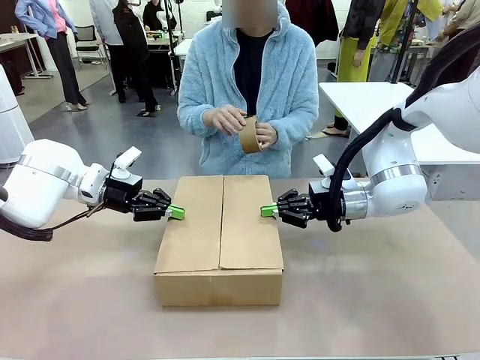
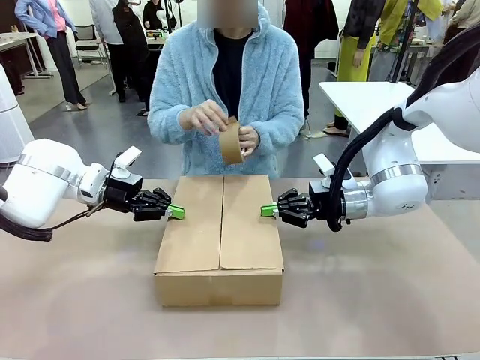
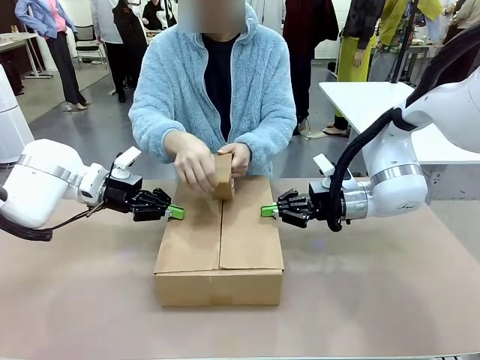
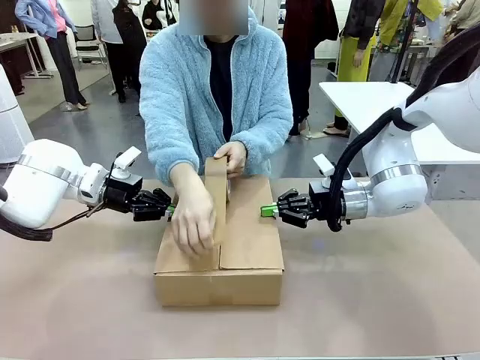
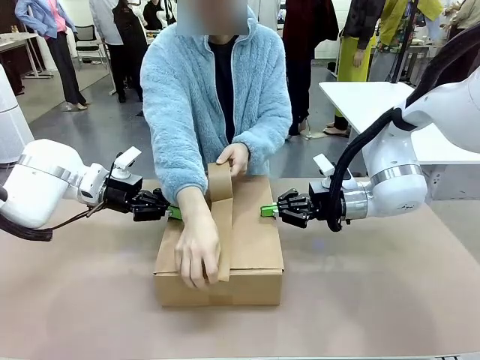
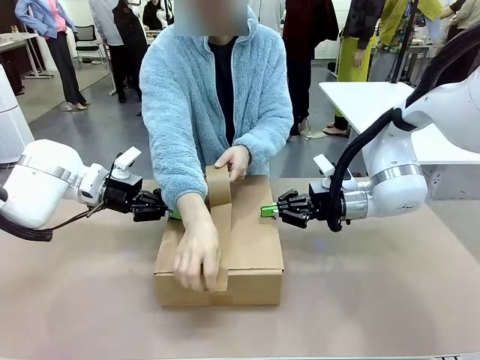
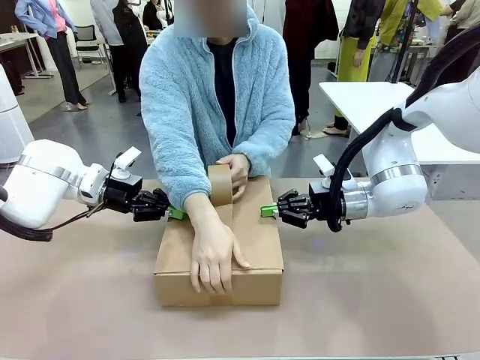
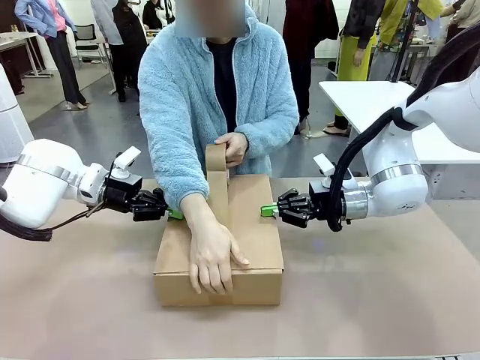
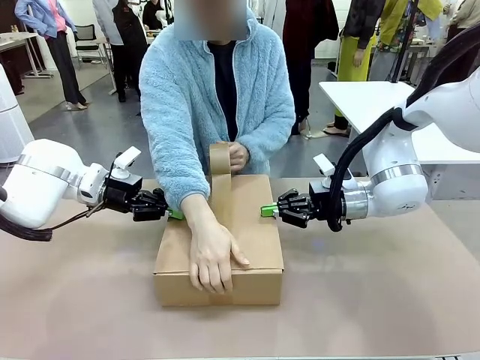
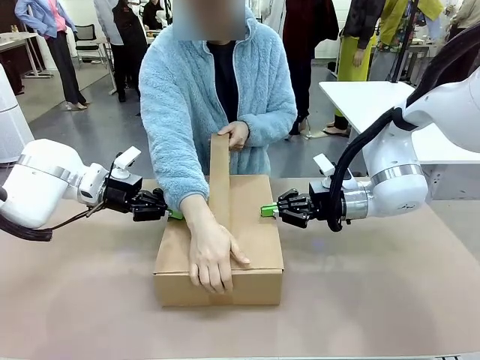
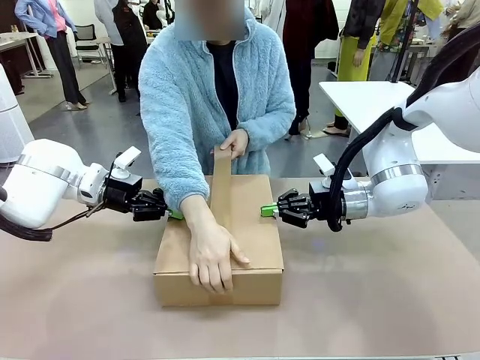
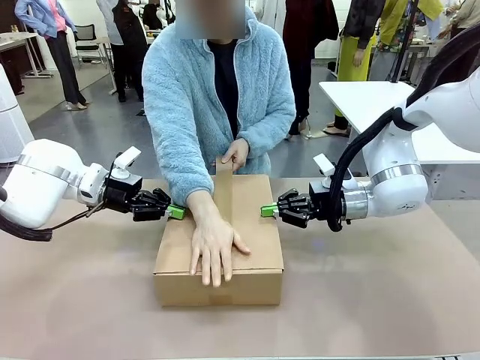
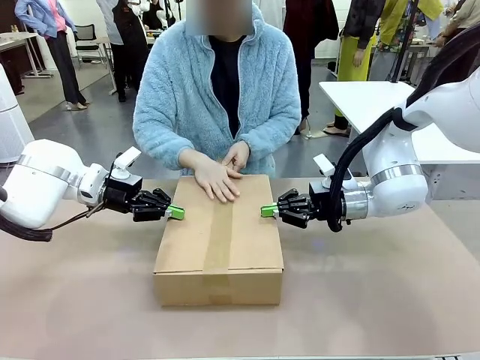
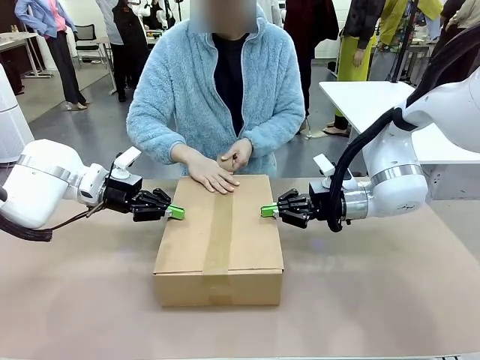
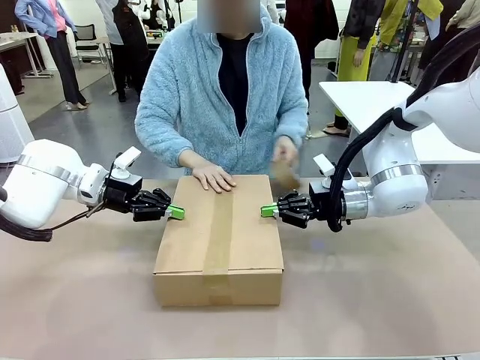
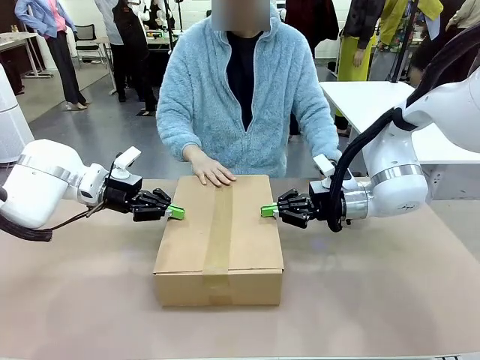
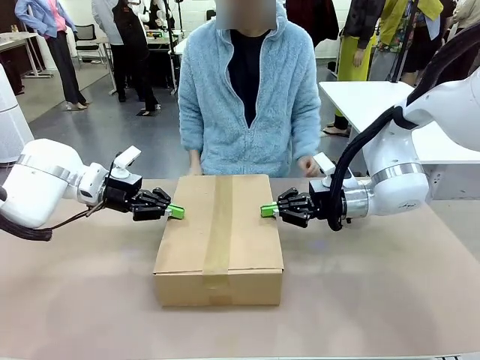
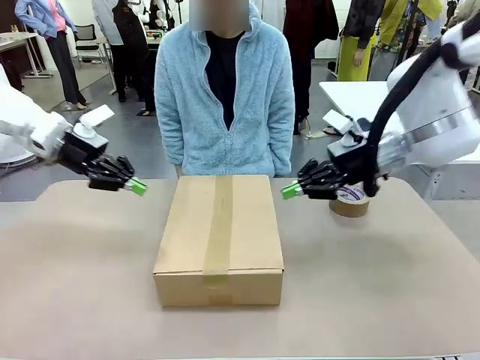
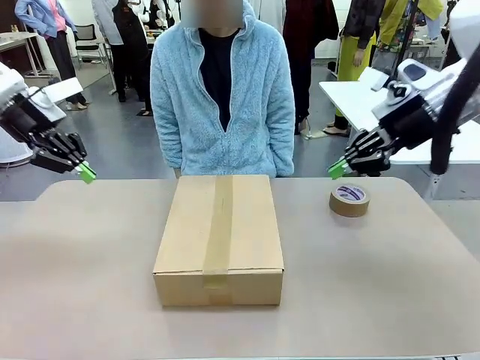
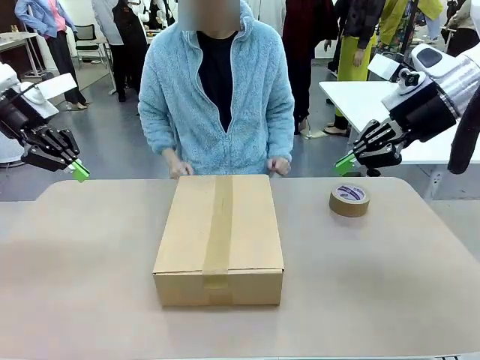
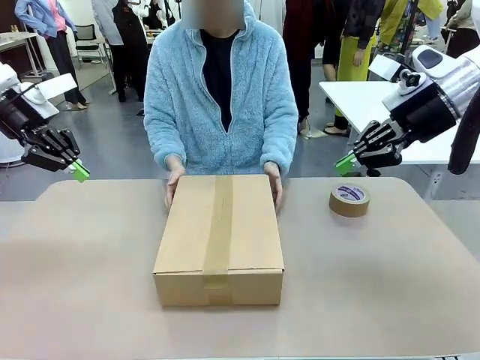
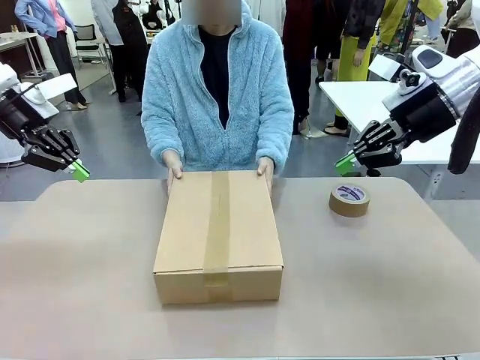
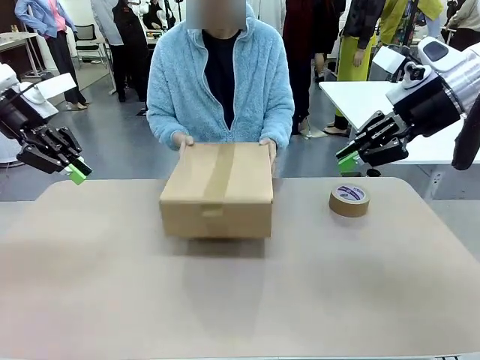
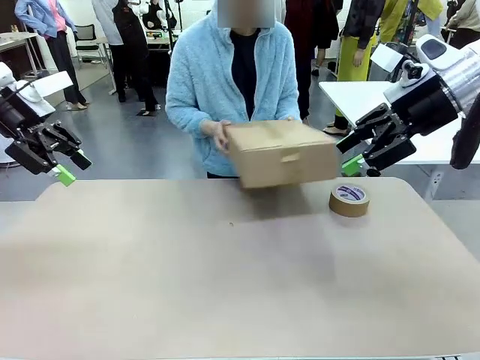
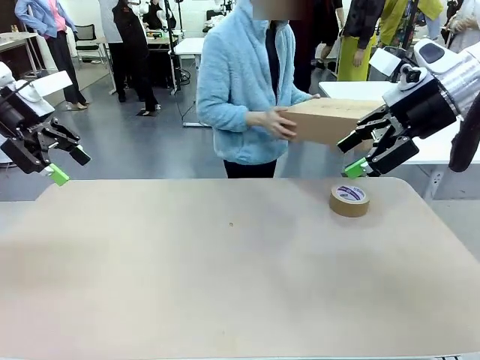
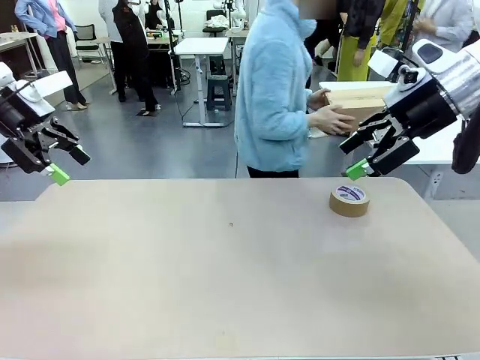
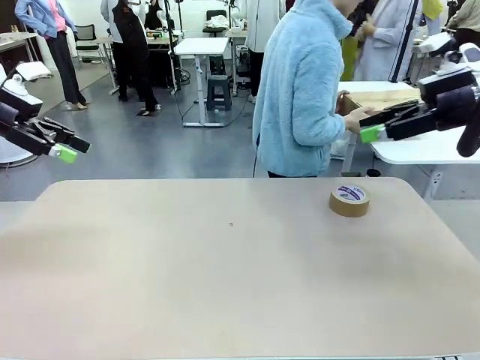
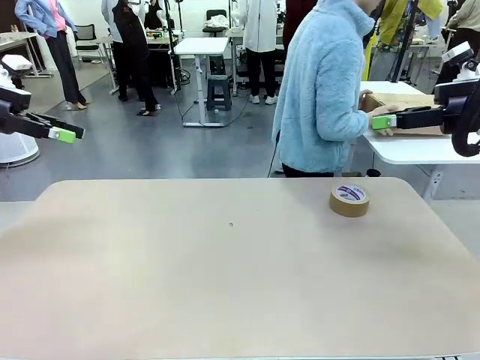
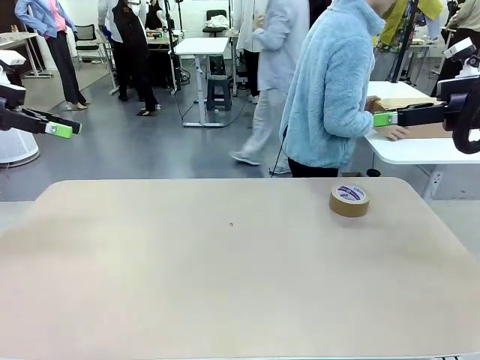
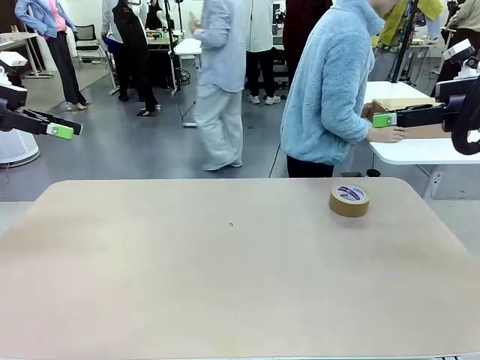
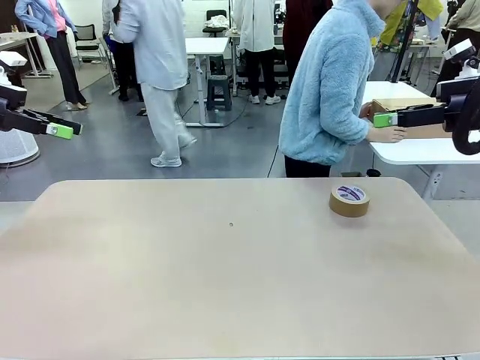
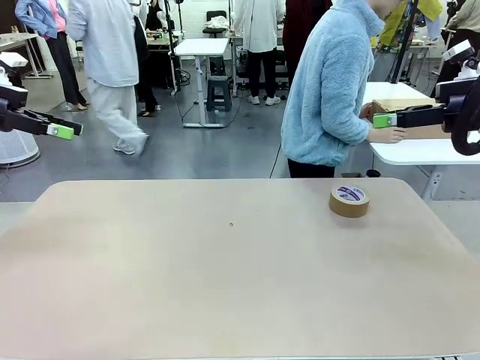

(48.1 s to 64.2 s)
Task: Wrap the clocks to prevent damage.
Robot: After the human seals the box with tape, release both hands from the side flaps of the Package Box.
Person: Once the robot closes the left flap of the Package Box , seal the box with Paper Tape. Place sealed Package Box in the middle of the human's table.

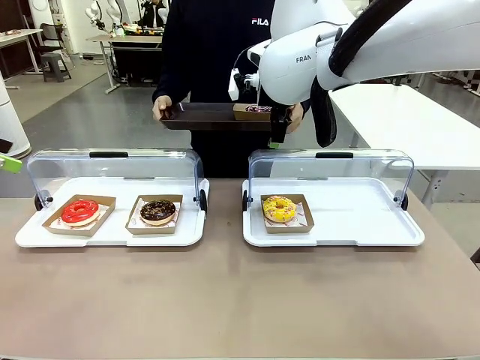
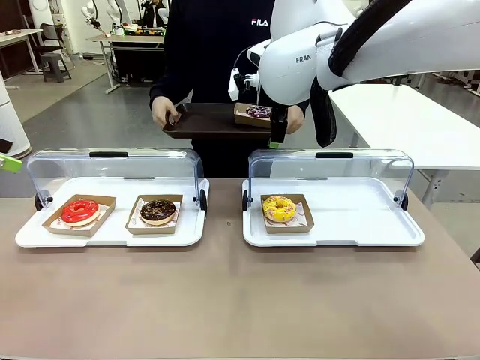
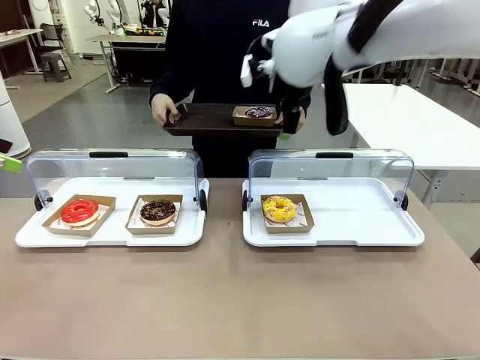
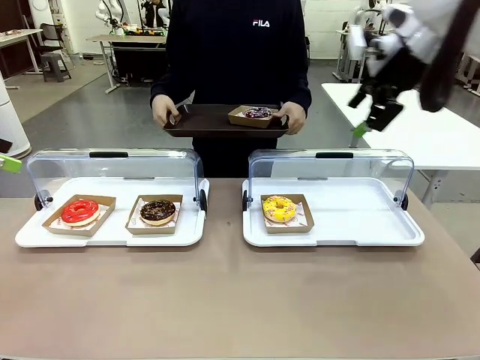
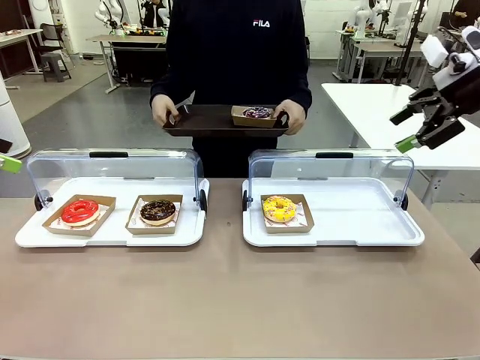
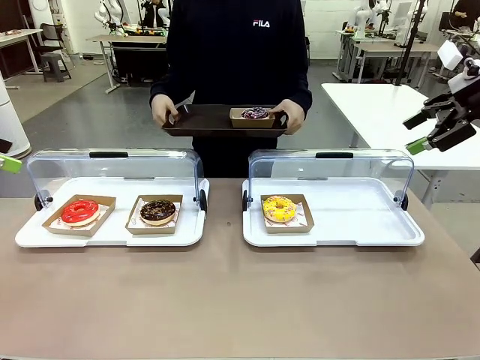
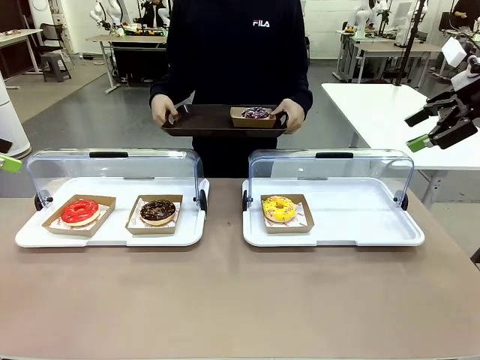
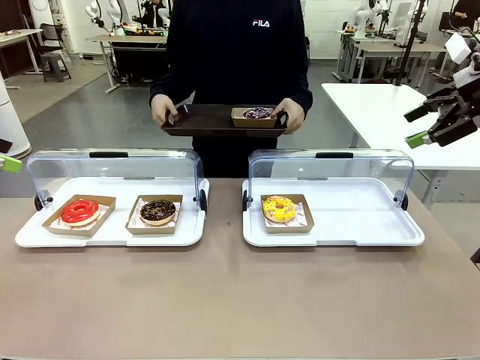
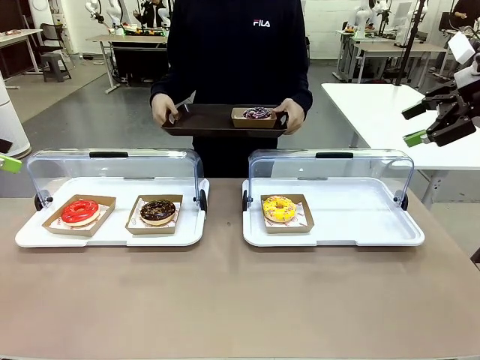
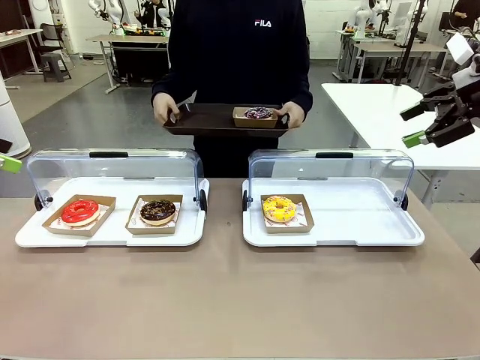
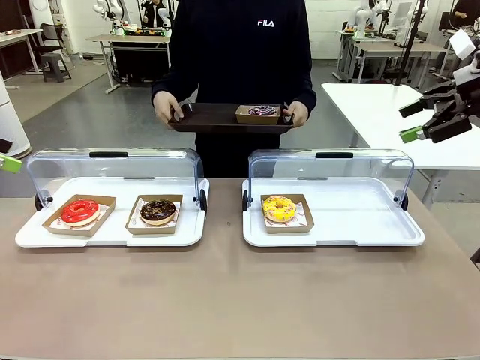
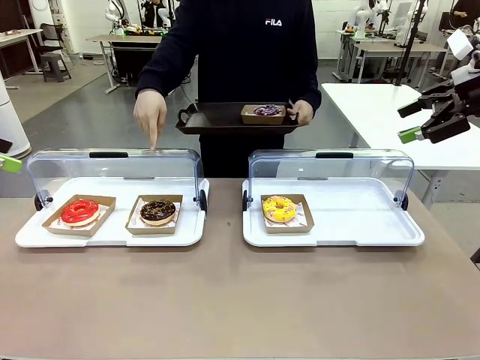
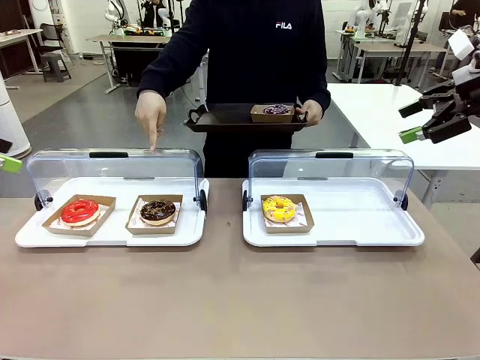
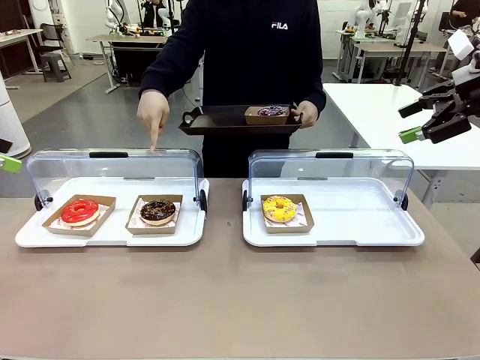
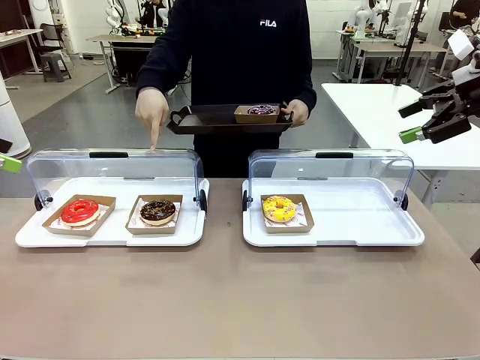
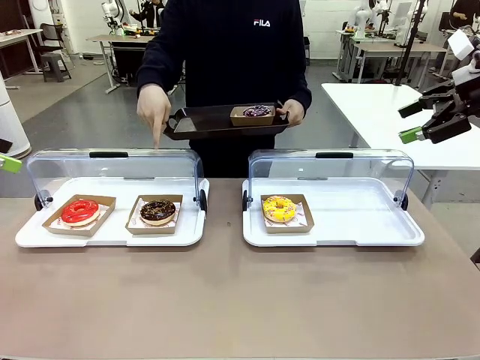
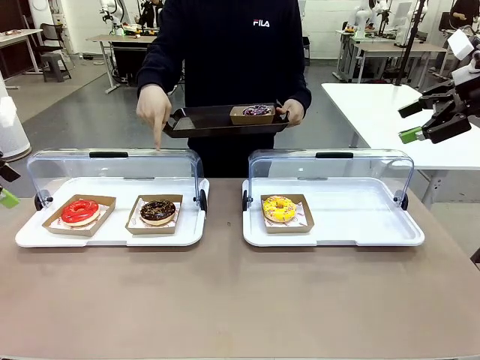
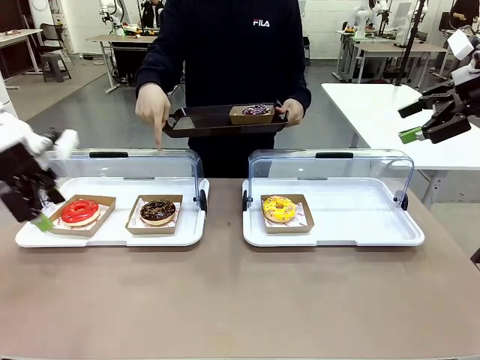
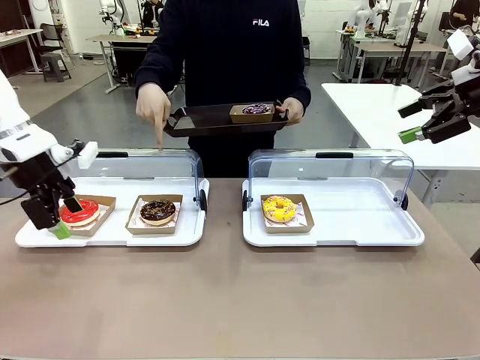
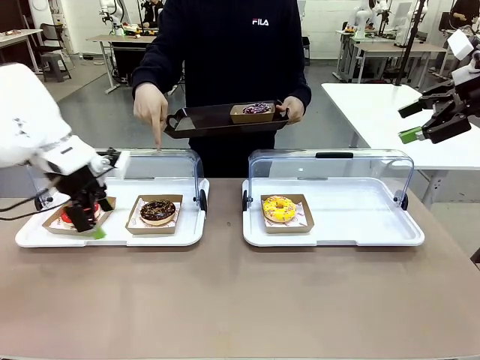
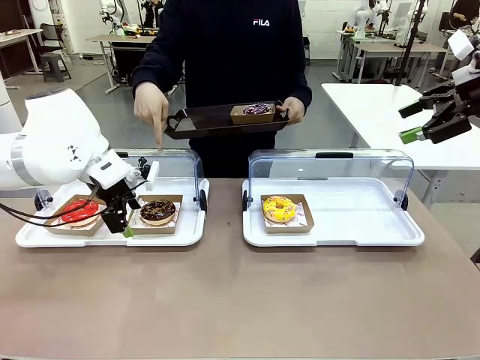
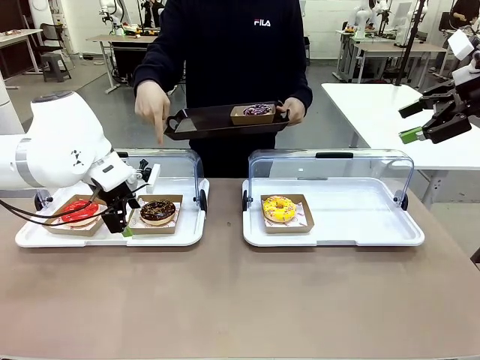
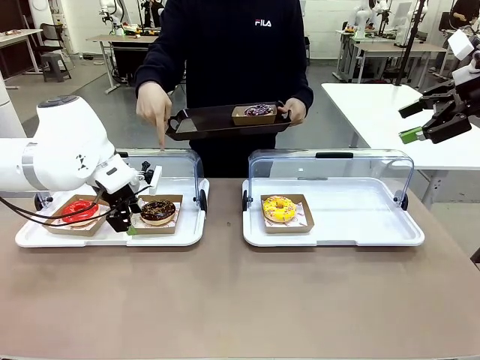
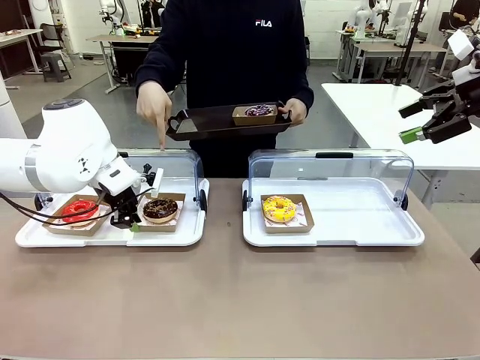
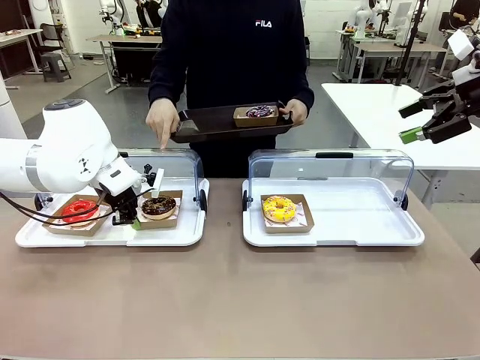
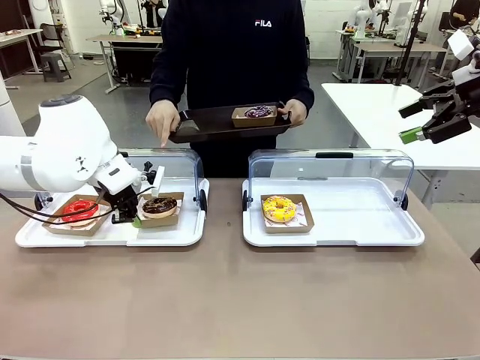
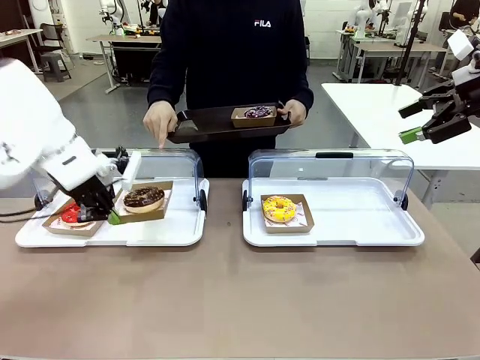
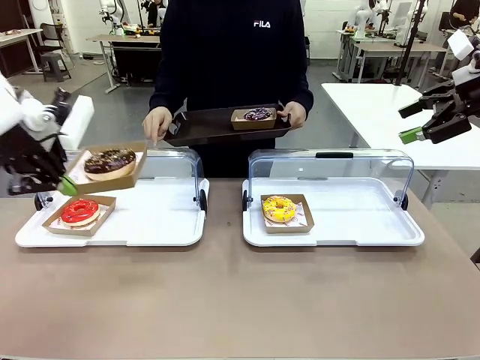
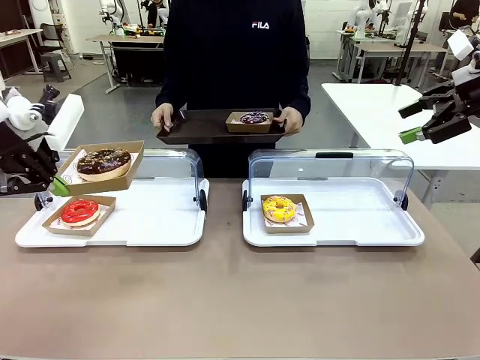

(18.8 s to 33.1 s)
Task: Provide the desired donut to the person.
Robot: Pick up and lift the Paper togo box containing the Donut pointed at by the person.
Person: Point to one donut. Lift the tray onto the Roll-Top Bakery Case.
